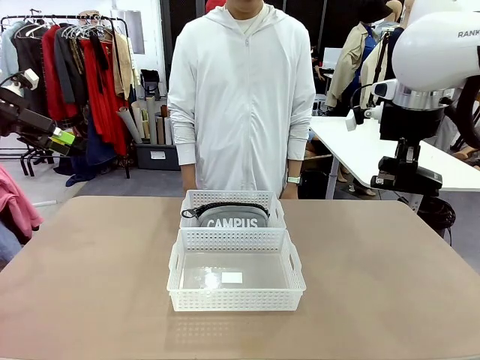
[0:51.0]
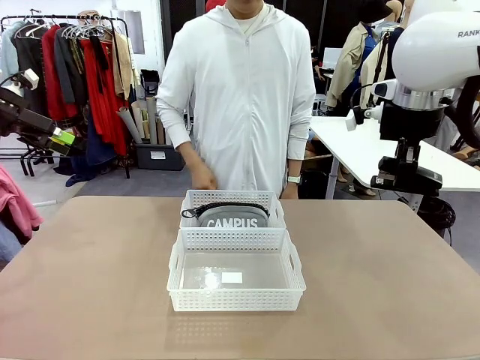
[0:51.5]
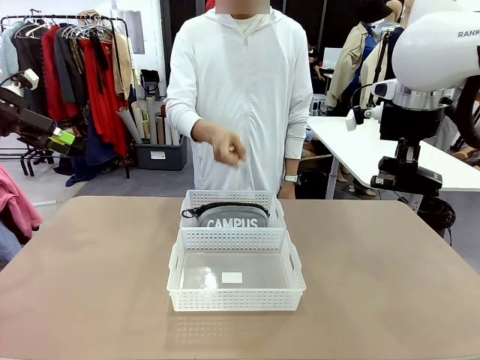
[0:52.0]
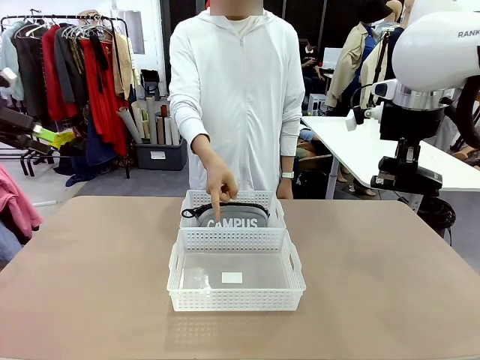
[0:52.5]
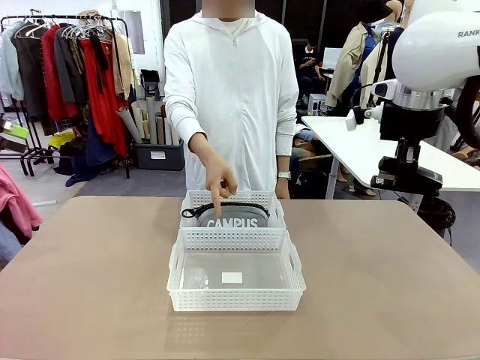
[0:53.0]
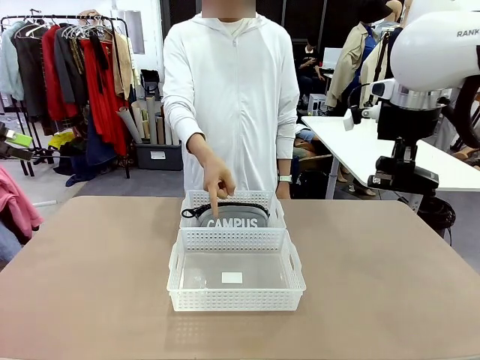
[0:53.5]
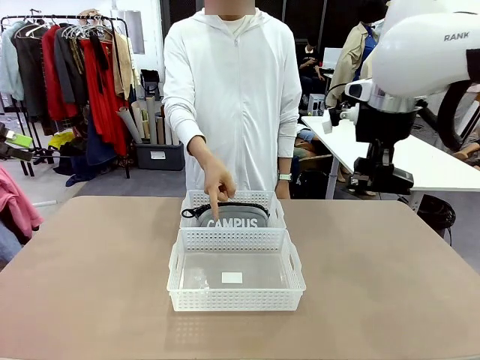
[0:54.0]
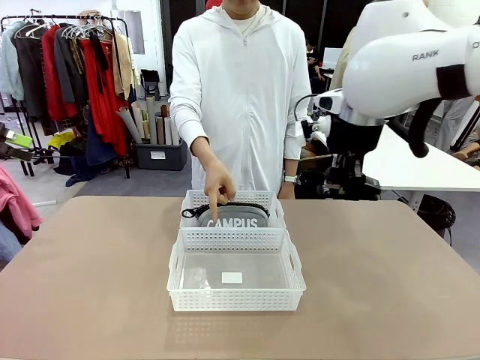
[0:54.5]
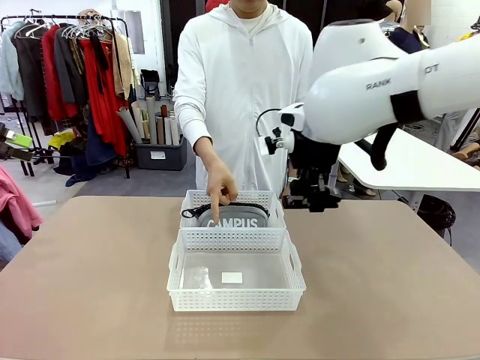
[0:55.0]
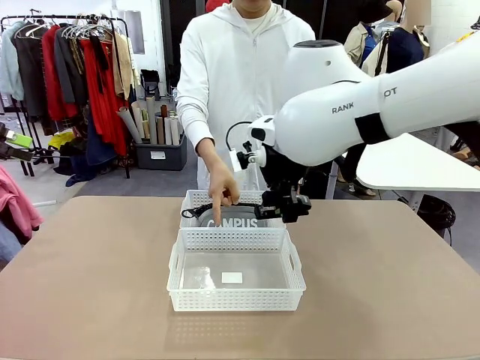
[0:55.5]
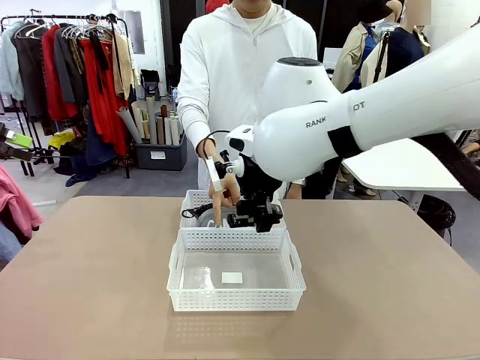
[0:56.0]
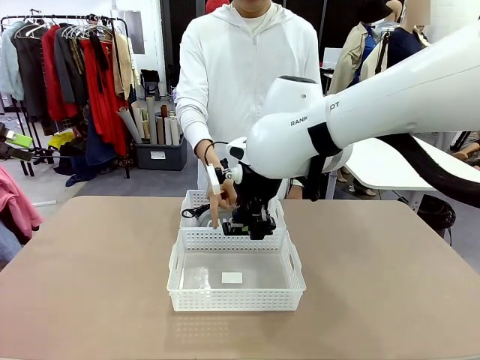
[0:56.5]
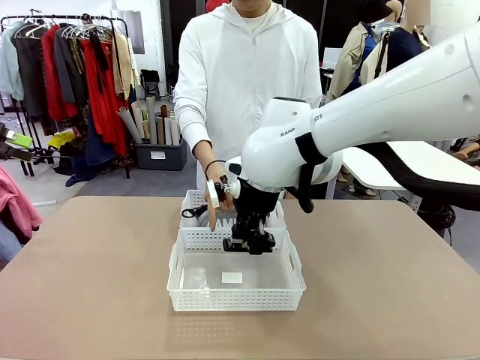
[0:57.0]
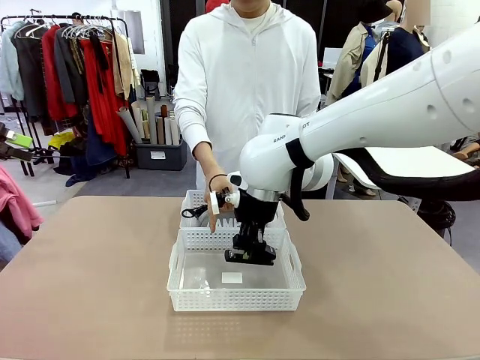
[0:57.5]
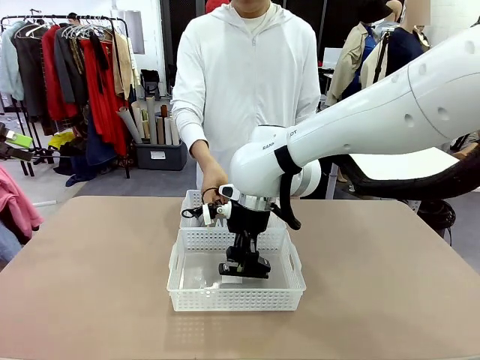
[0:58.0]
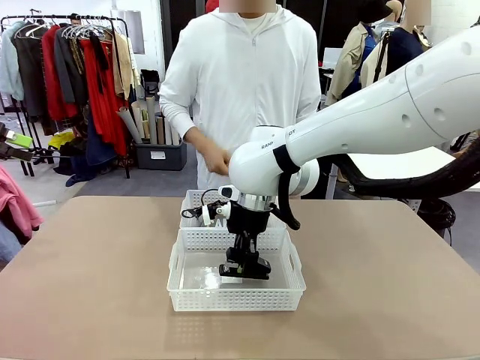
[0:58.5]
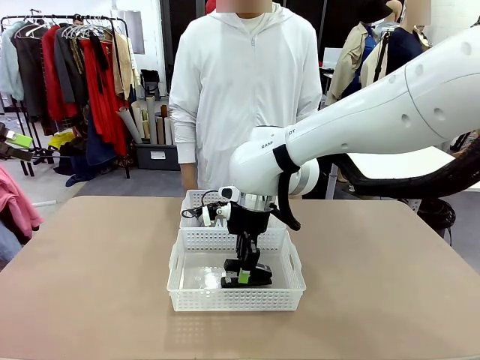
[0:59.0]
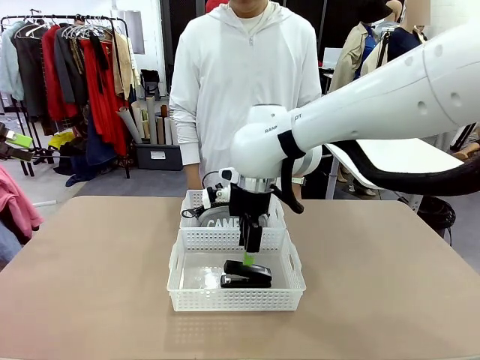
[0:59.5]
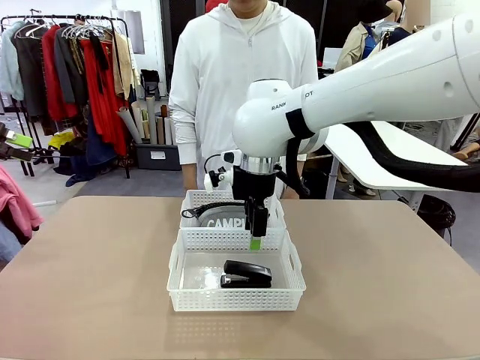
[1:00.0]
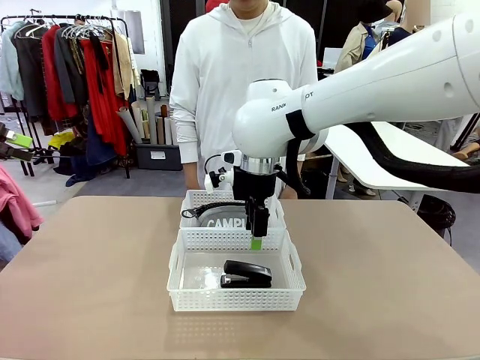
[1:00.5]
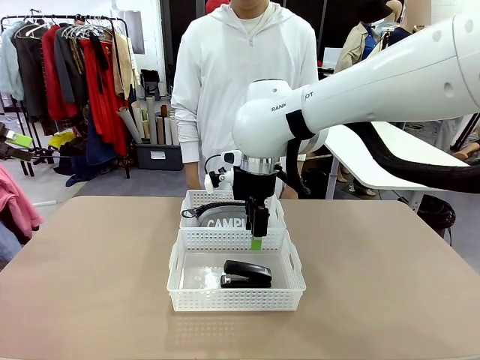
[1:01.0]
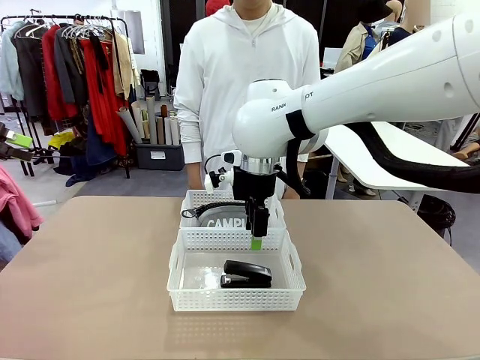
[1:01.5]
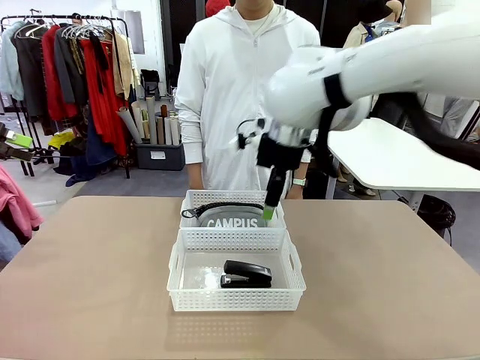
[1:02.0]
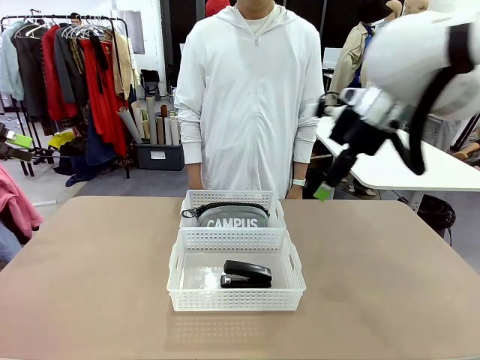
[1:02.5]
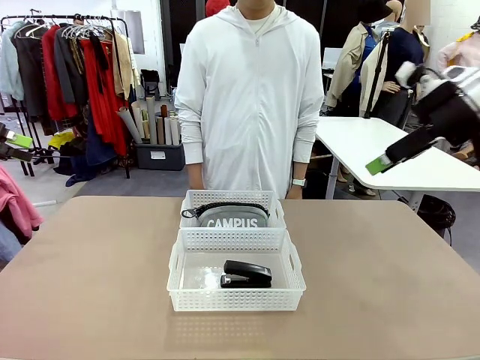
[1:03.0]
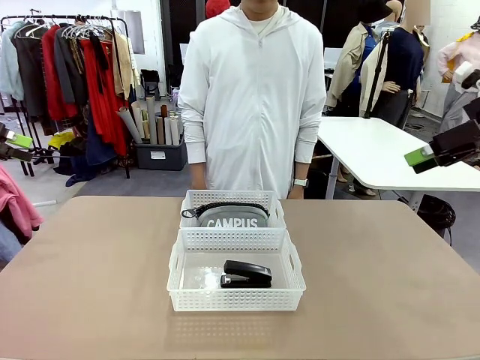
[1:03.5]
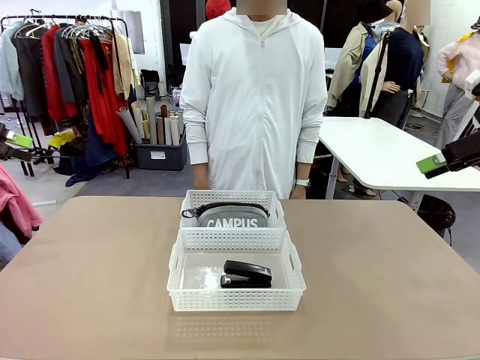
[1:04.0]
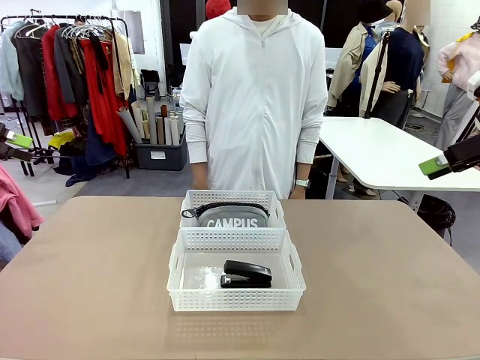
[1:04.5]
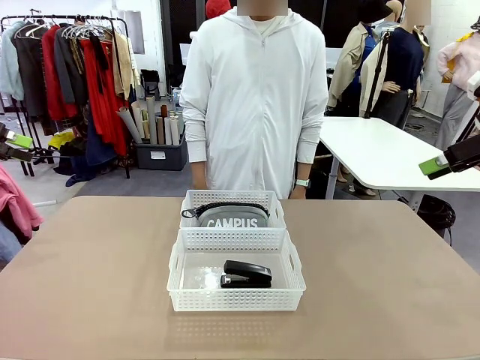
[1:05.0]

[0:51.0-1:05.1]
Task: Distribute items into two baskets.
Robot: Place the picked Stapler into the Organizing basket as instructed by the person.
Person: Points to the basket that does not contain the pencil case and instructs the robot to move the stapler there.

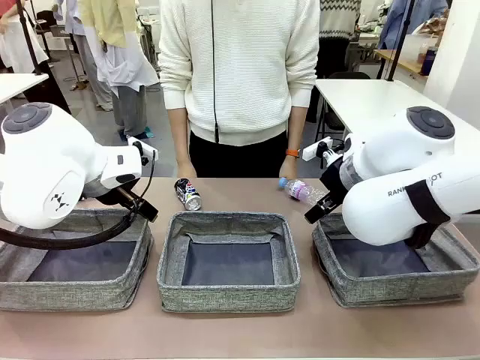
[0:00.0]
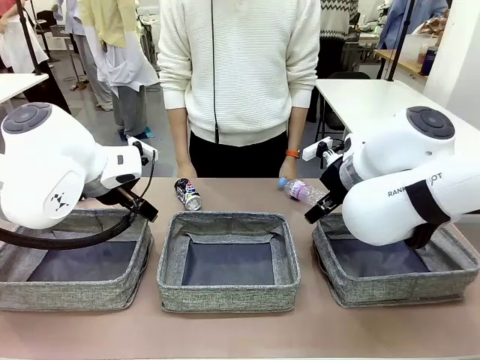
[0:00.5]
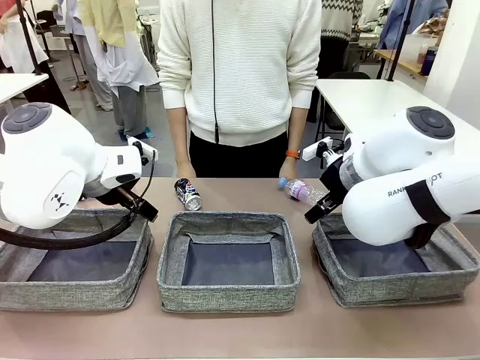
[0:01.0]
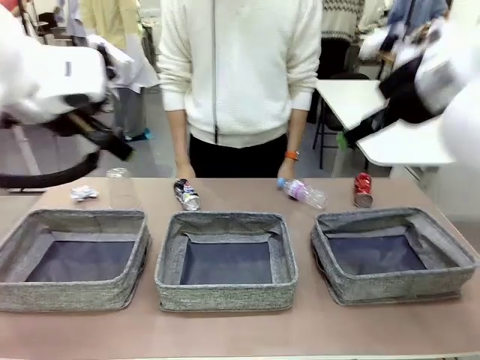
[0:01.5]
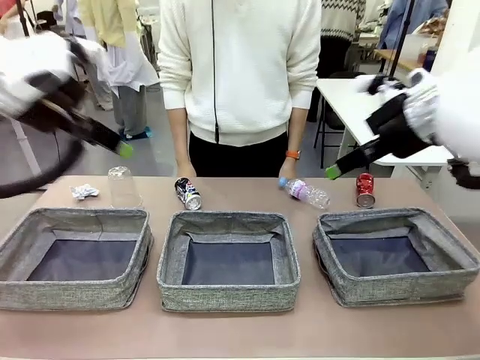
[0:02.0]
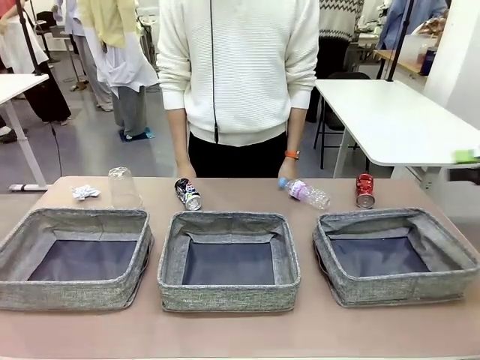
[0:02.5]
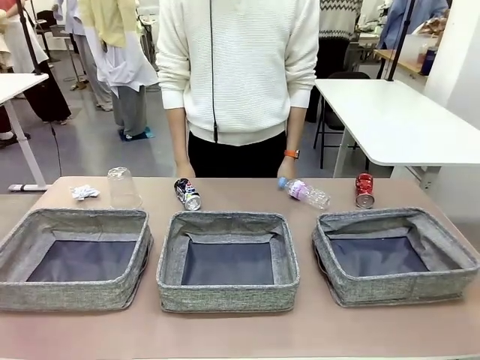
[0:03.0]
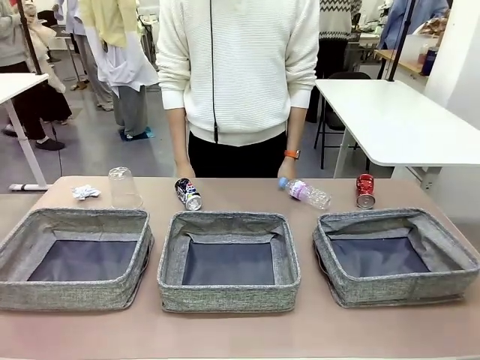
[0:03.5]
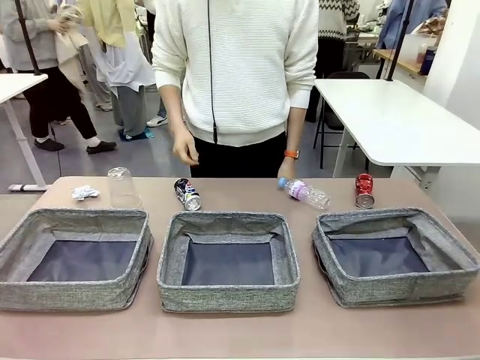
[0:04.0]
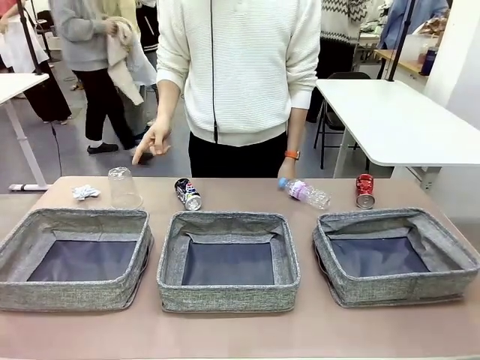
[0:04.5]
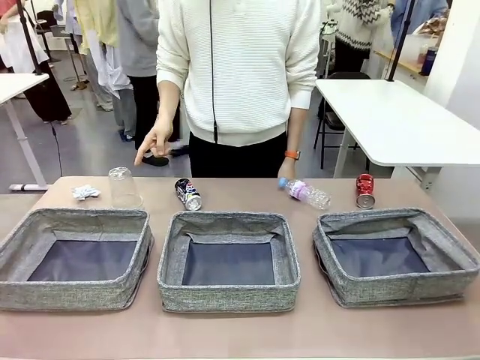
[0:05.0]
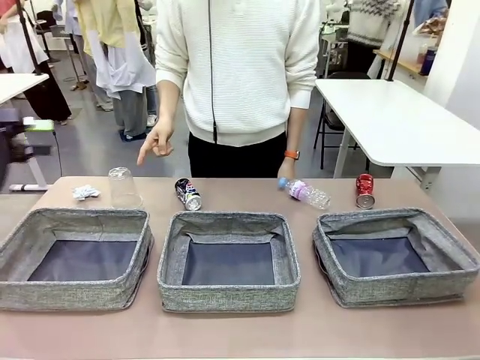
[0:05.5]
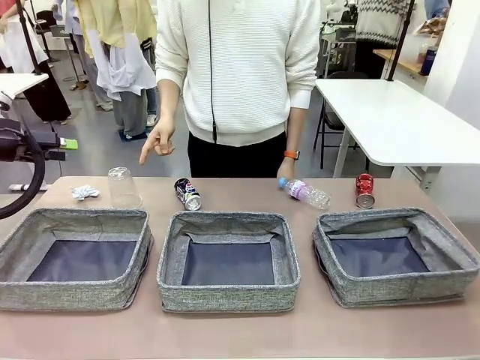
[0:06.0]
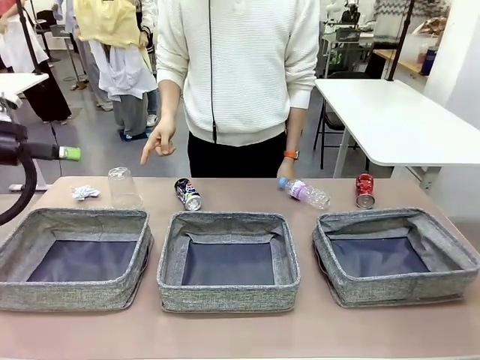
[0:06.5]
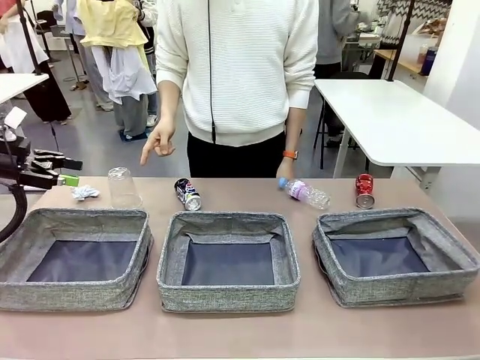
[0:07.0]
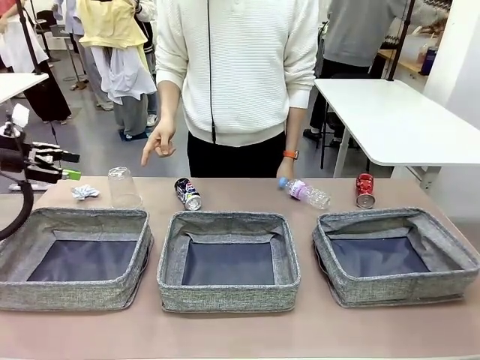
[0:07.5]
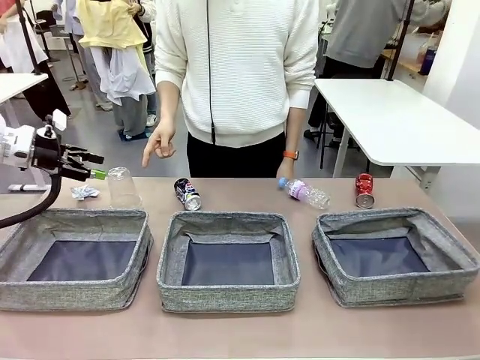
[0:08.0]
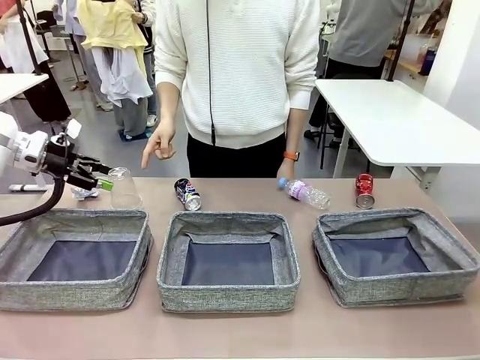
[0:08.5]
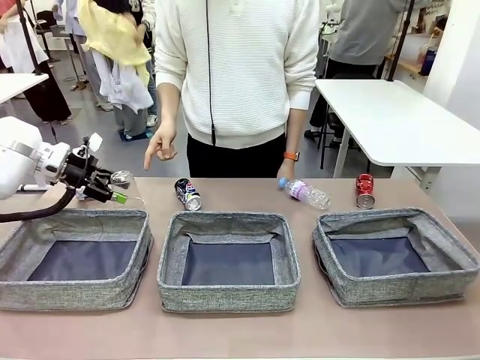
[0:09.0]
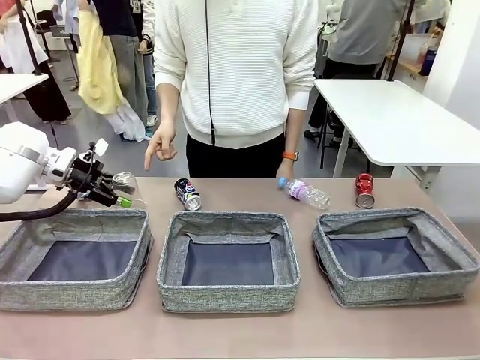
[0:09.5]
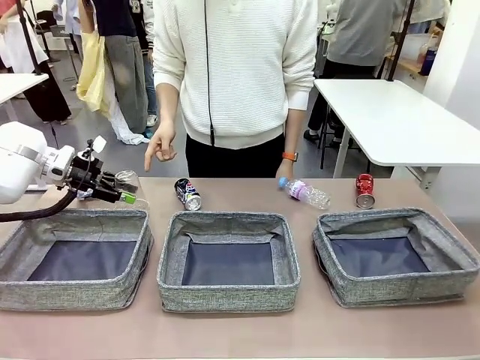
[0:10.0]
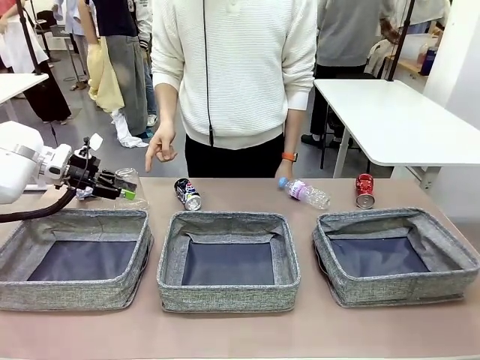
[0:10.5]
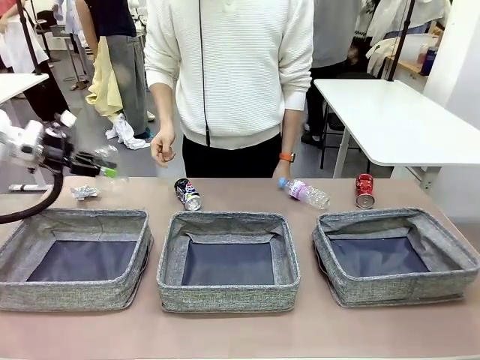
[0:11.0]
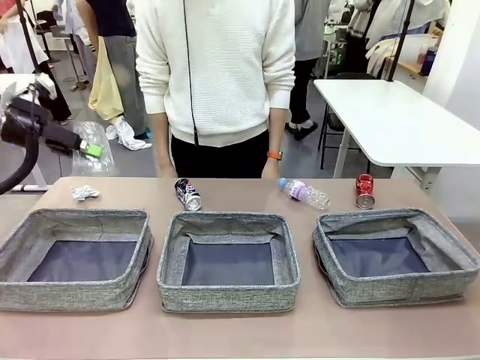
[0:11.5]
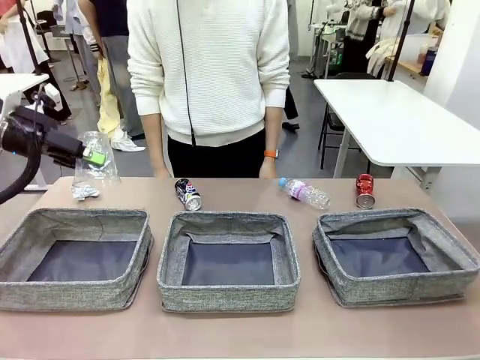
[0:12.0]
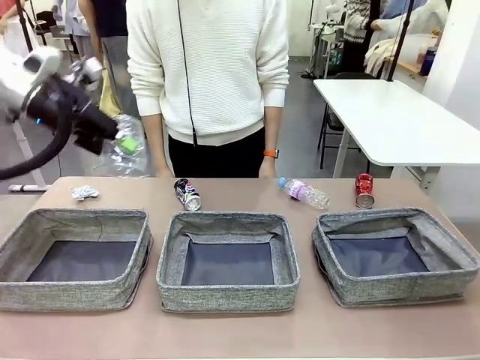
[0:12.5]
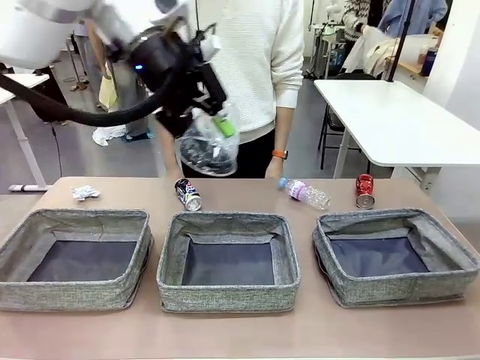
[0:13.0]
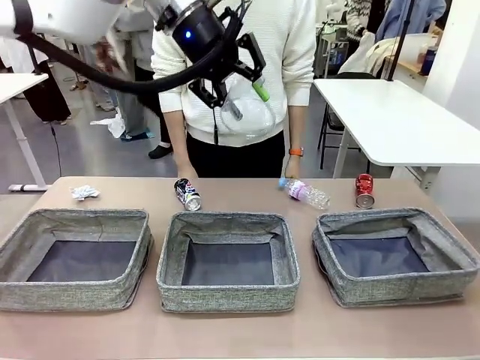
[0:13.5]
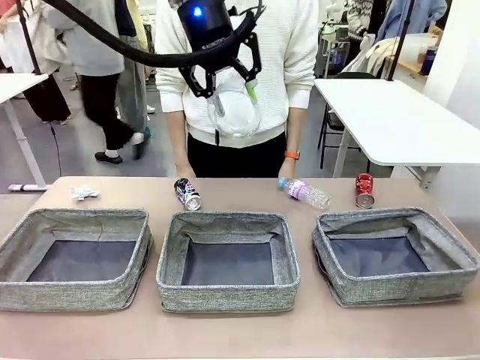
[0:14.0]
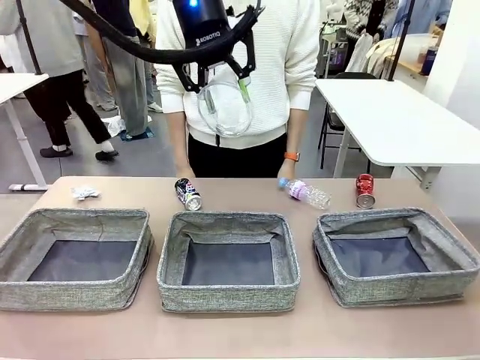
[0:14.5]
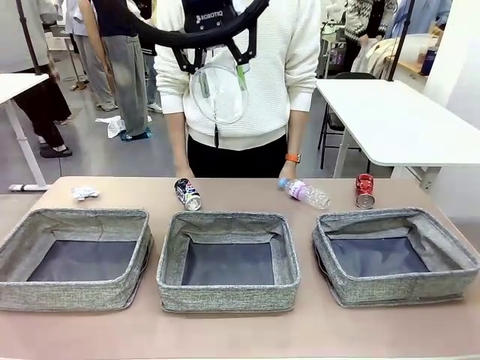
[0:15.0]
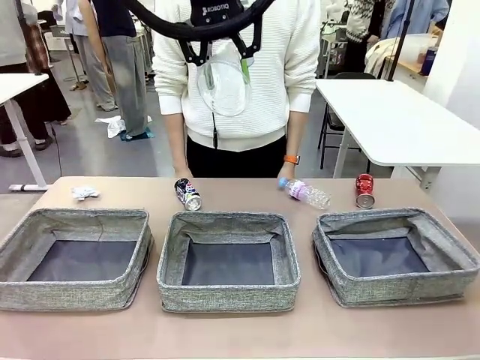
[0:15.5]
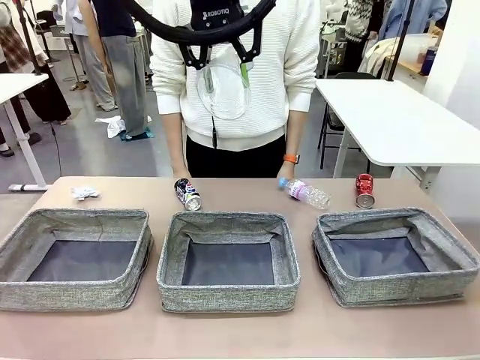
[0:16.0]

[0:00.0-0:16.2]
Task: Sort the waste into the appropriate baskets.
Robot: Pick up the waste item pointed out by the person.
Person: Points to one piece of trash on the table.
